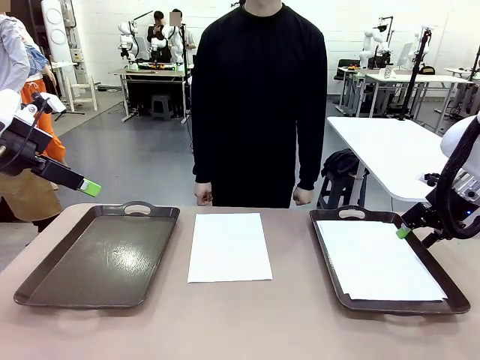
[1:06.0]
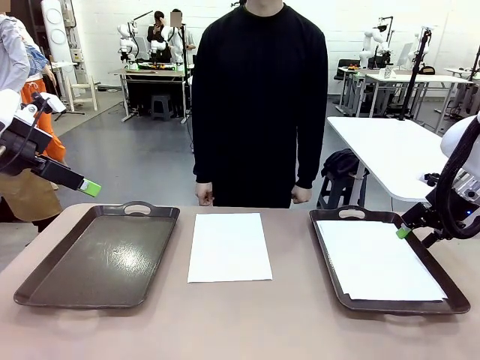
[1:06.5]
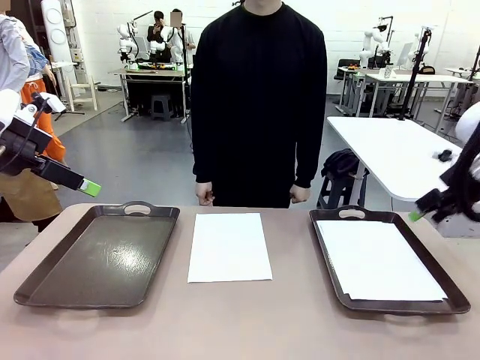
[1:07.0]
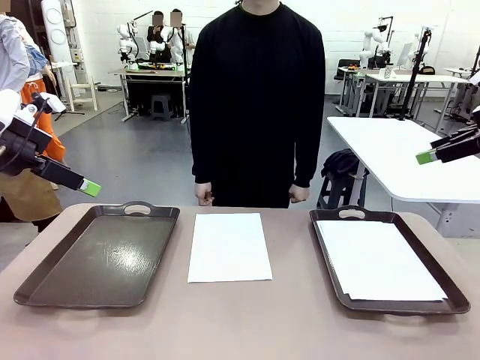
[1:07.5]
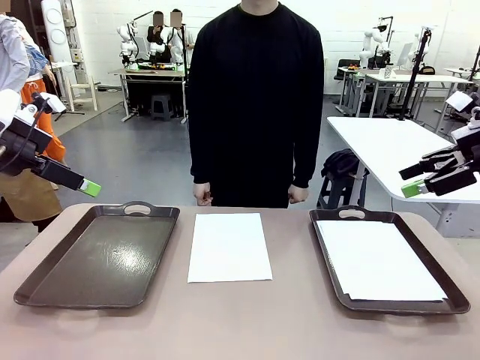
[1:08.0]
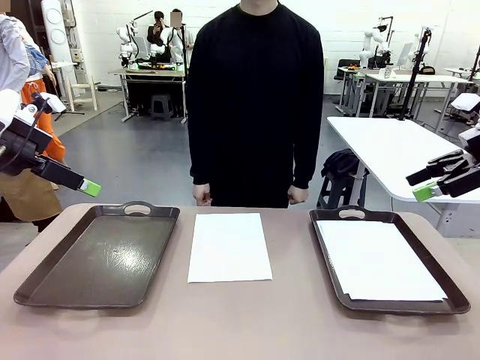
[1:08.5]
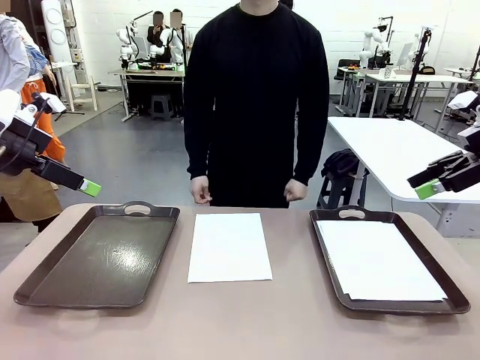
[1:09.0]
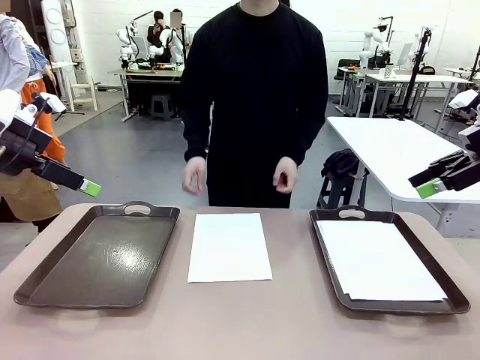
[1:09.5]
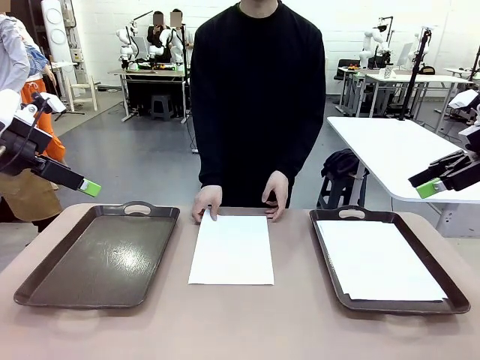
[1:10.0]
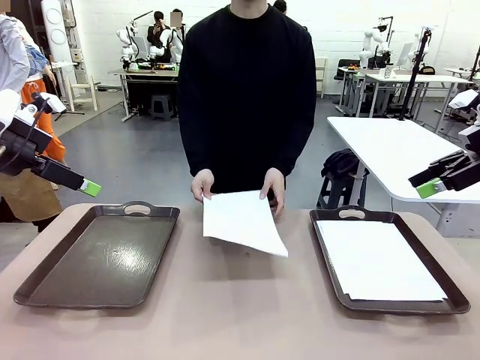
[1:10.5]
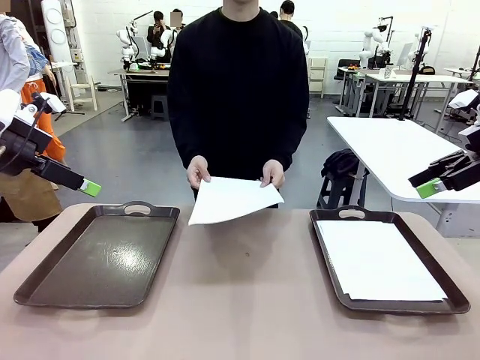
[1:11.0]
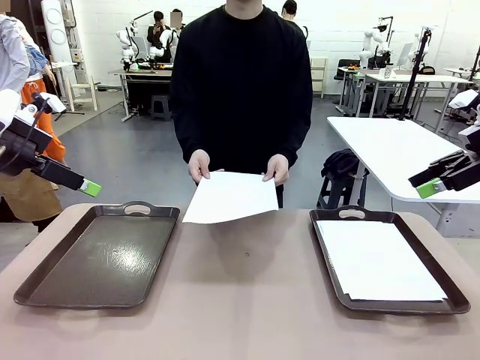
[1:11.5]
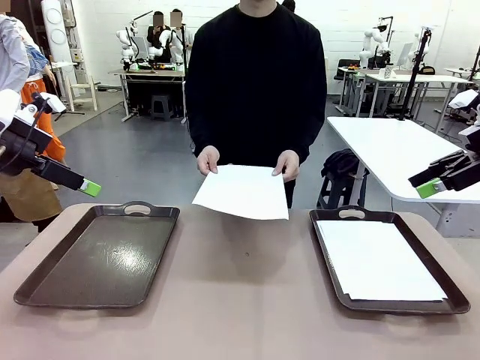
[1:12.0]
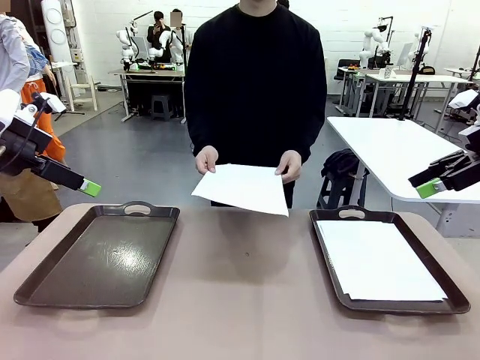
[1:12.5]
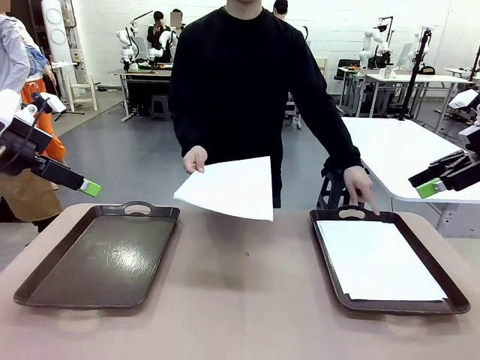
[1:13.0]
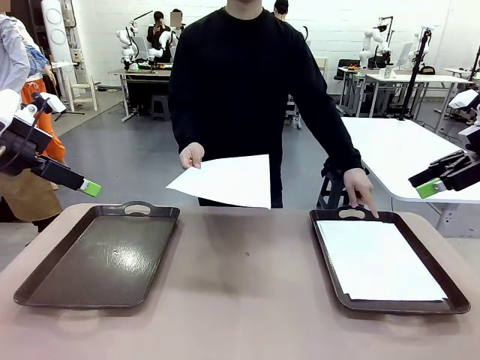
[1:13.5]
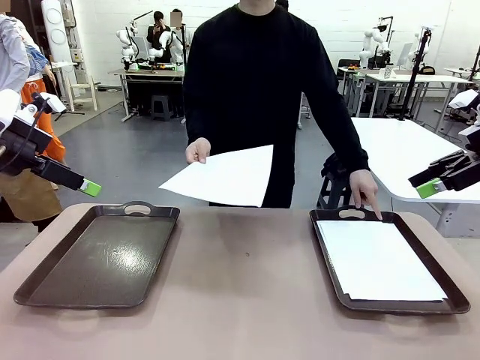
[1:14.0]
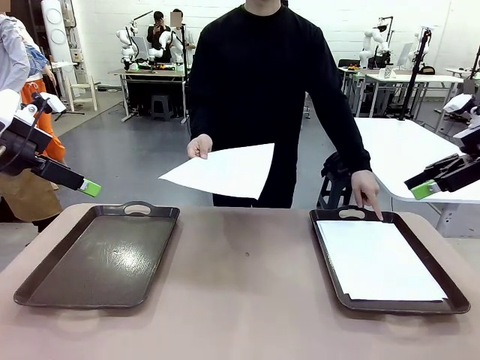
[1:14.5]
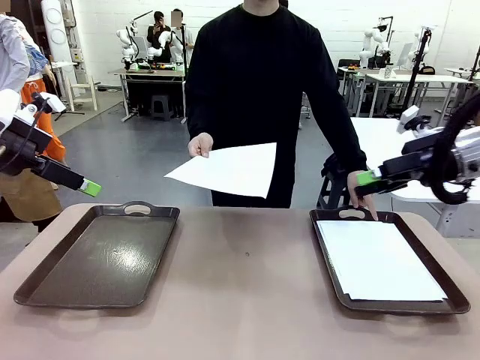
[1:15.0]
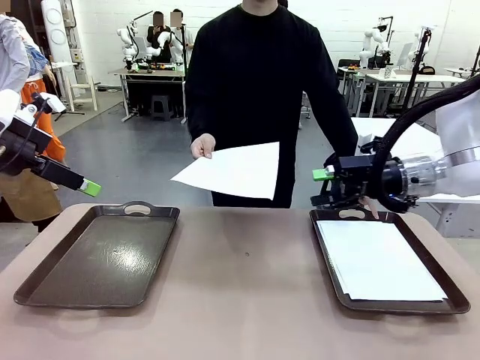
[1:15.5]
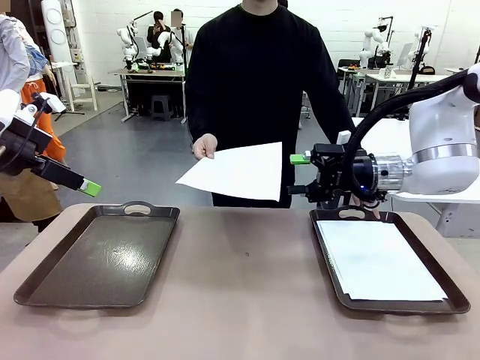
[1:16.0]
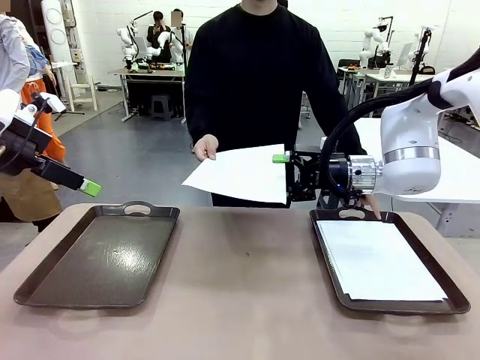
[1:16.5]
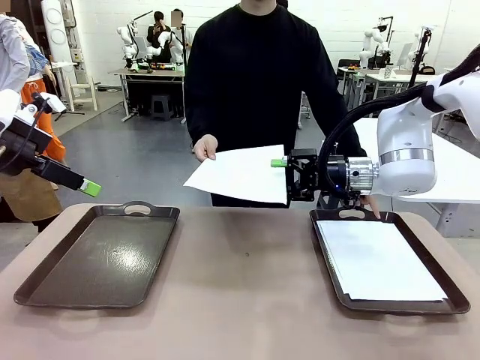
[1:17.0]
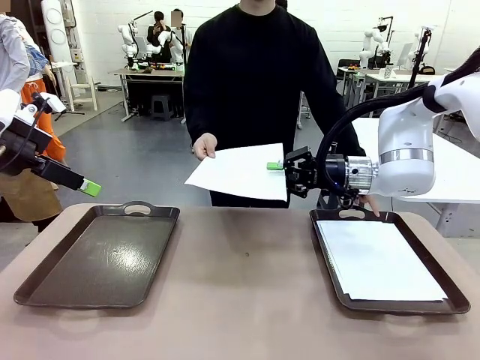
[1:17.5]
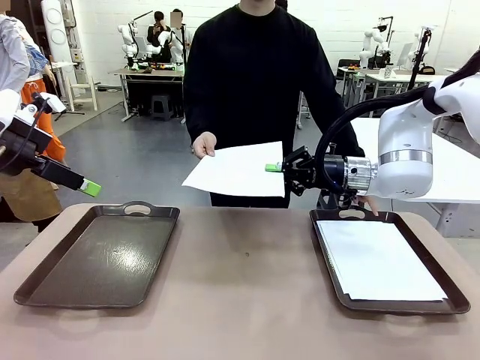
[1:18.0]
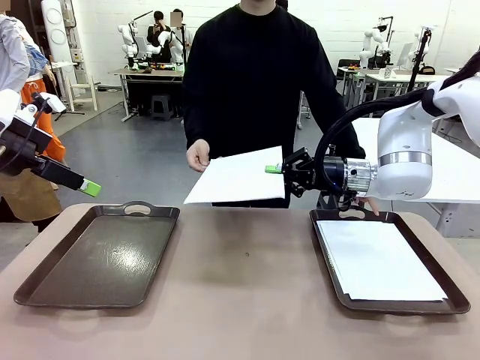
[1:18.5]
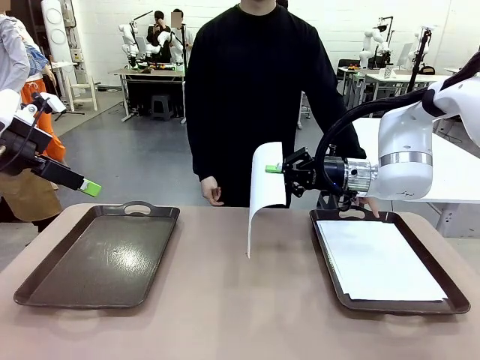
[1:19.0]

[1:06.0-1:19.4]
Task: Sort the A4 documents.
Robot: Receive the A4 Paper.

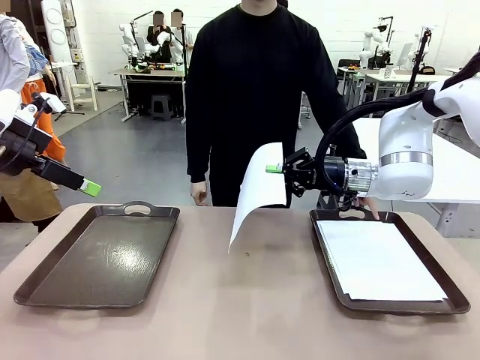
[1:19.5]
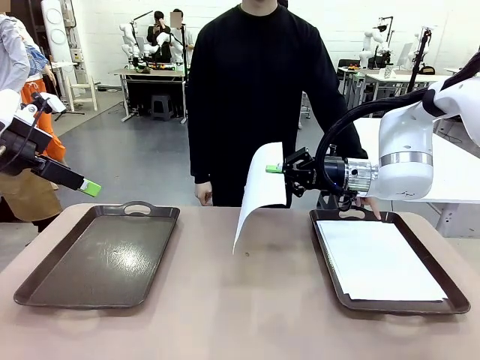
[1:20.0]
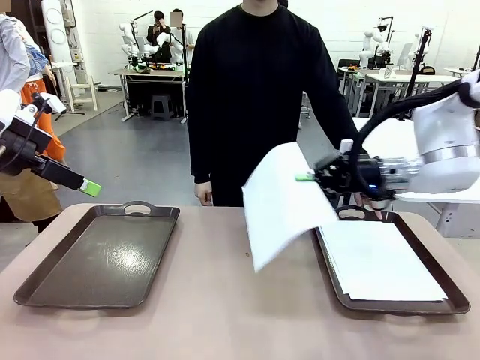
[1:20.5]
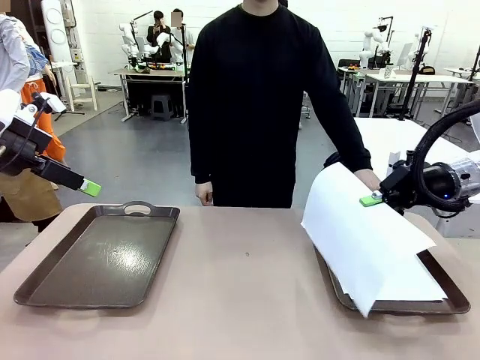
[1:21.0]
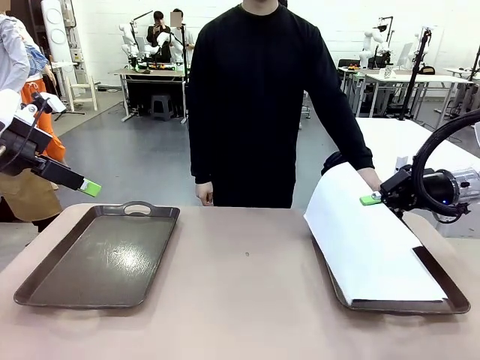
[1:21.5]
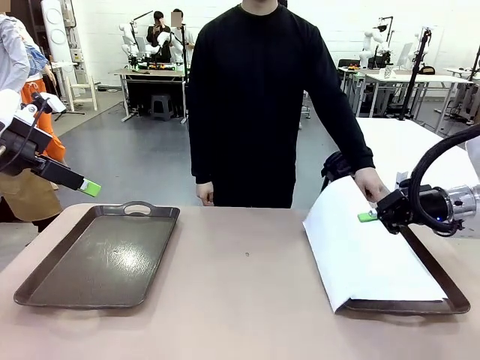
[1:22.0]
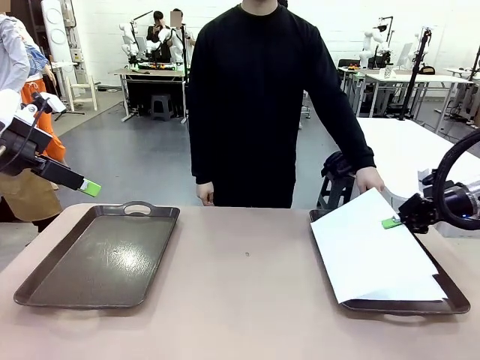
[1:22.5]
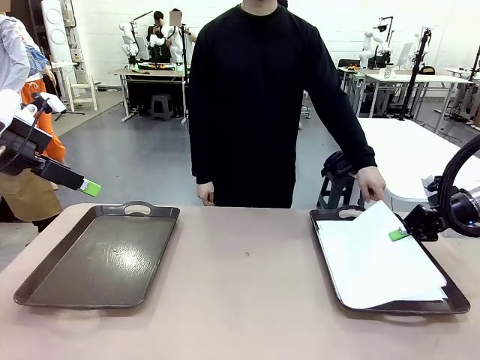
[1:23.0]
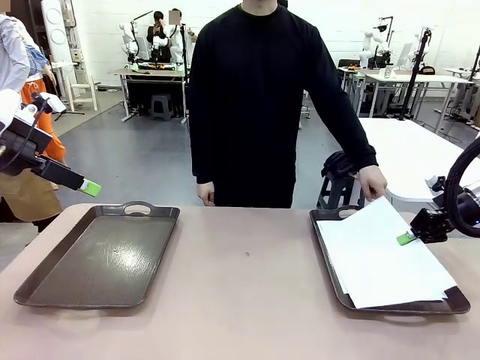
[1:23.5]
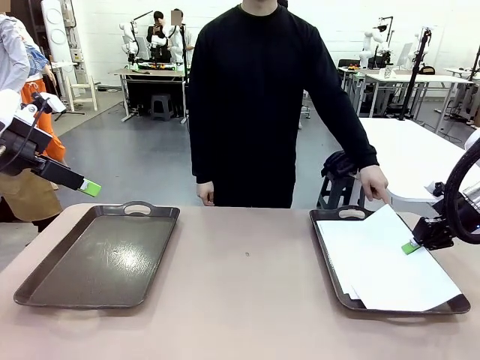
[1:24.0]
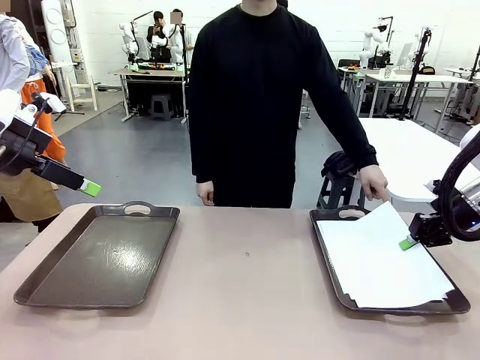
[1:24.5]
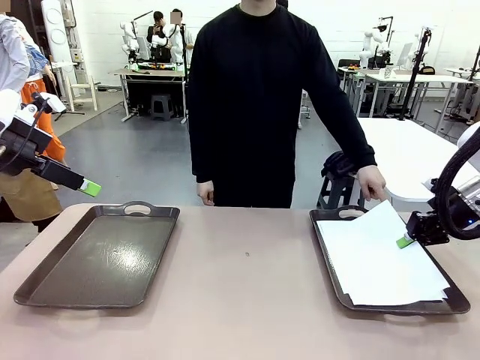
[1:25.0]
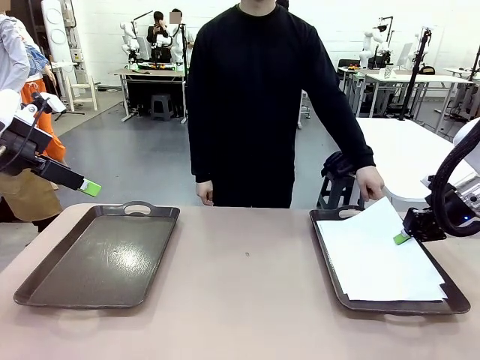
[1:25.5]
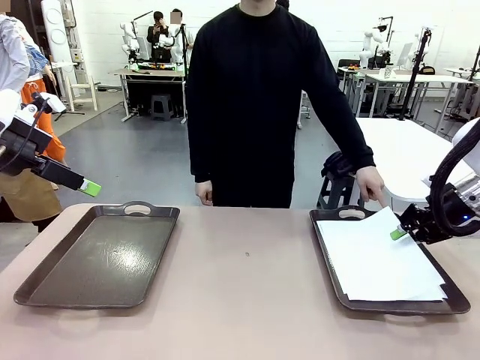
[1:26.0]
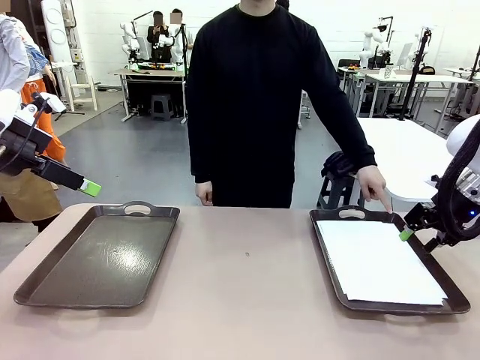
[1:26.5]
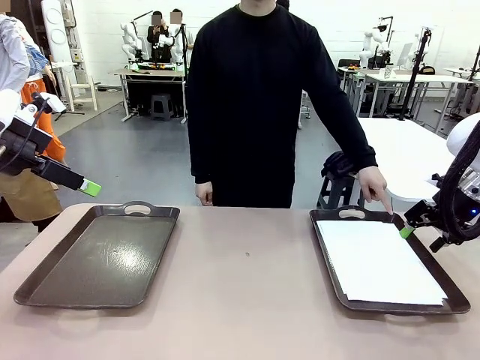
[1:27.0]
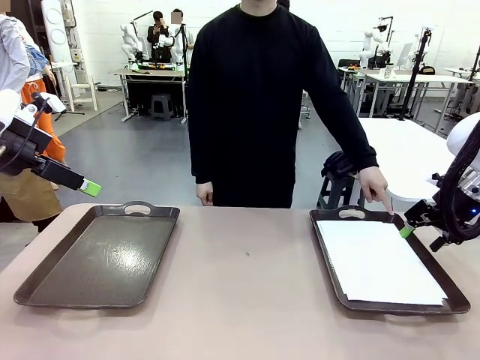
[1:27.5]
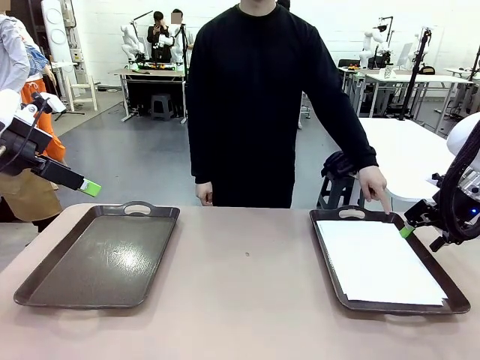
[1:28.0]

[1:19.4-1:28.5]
Robot: Place the A4 Paper in the designated Handle tray.
Person: Point the randomly selected tray with the other hand.
